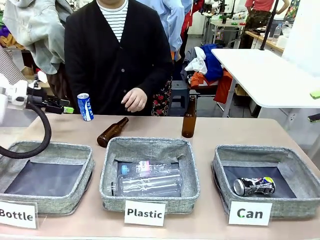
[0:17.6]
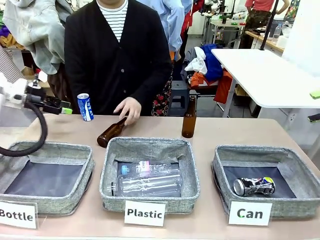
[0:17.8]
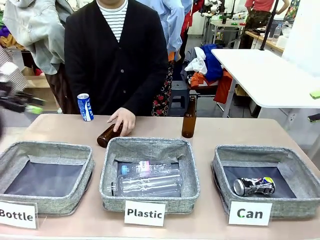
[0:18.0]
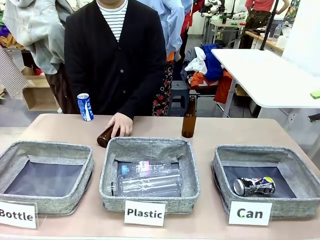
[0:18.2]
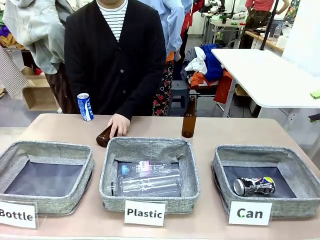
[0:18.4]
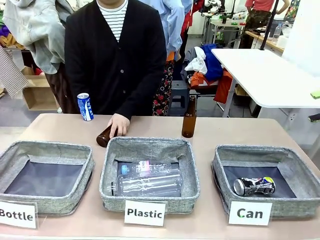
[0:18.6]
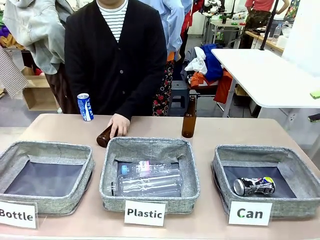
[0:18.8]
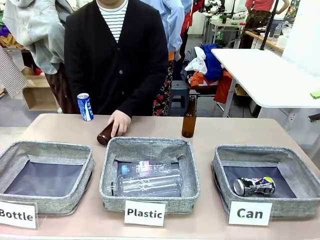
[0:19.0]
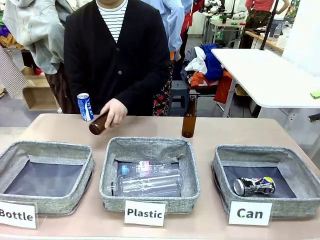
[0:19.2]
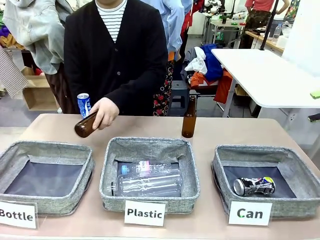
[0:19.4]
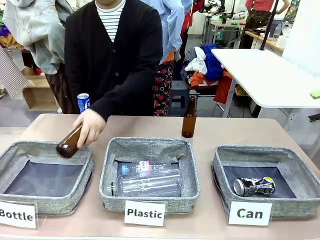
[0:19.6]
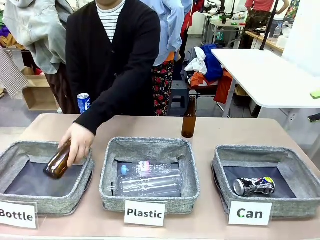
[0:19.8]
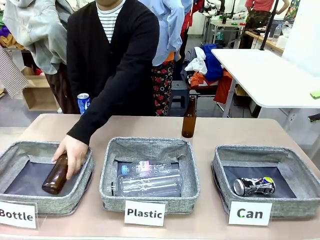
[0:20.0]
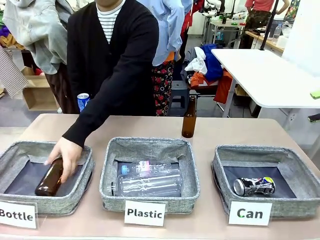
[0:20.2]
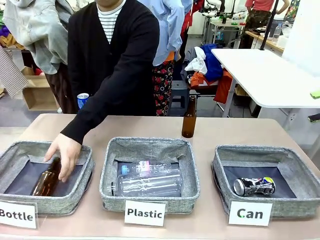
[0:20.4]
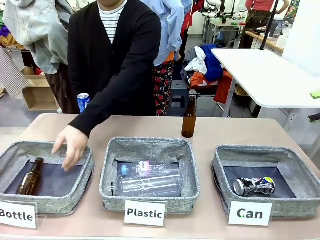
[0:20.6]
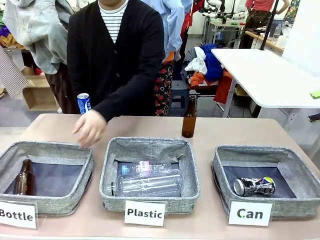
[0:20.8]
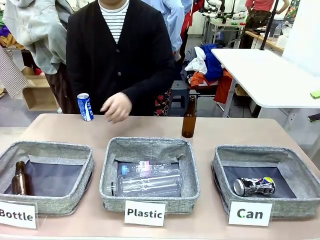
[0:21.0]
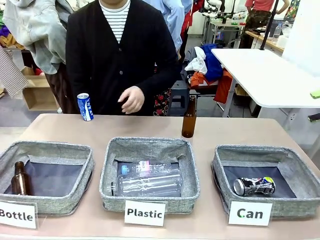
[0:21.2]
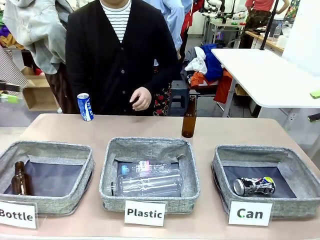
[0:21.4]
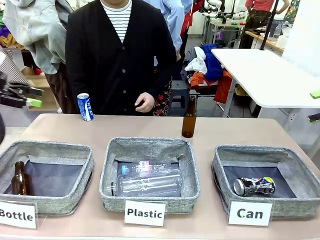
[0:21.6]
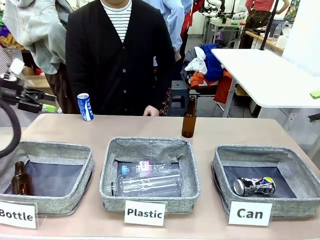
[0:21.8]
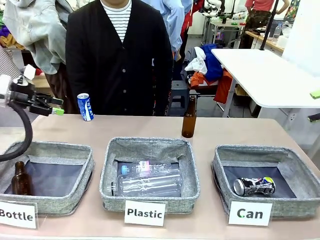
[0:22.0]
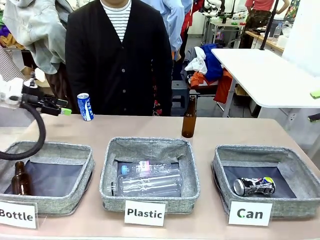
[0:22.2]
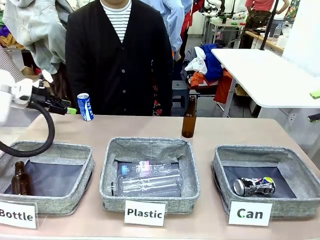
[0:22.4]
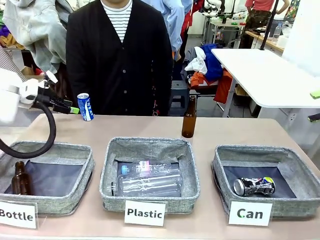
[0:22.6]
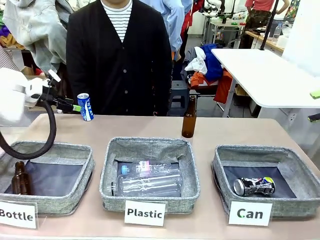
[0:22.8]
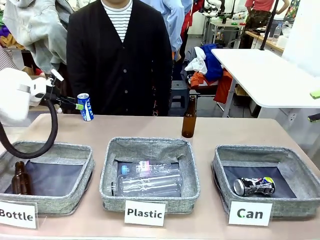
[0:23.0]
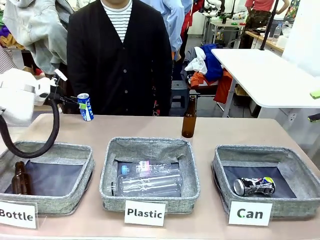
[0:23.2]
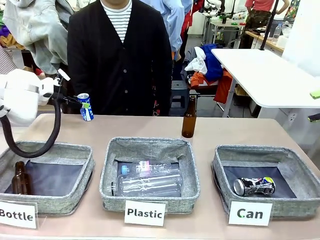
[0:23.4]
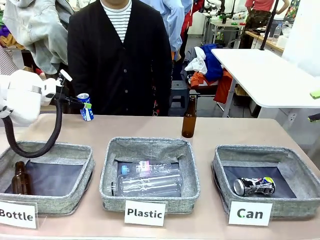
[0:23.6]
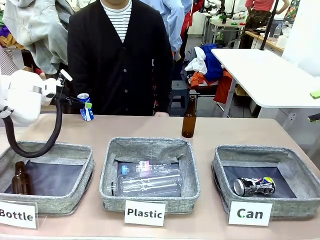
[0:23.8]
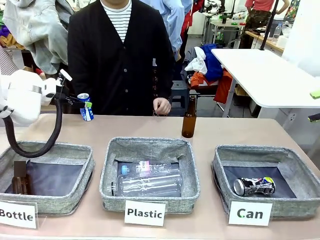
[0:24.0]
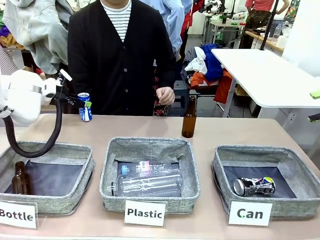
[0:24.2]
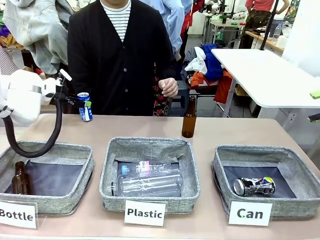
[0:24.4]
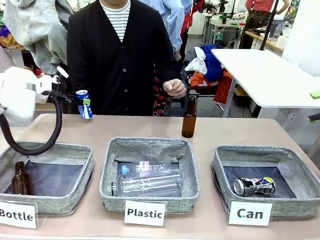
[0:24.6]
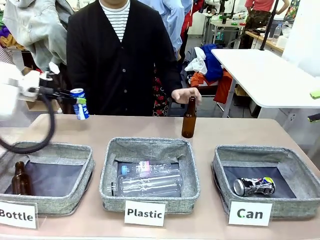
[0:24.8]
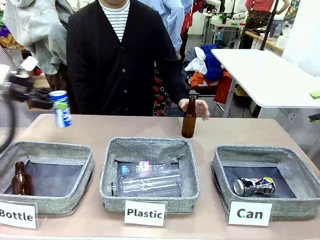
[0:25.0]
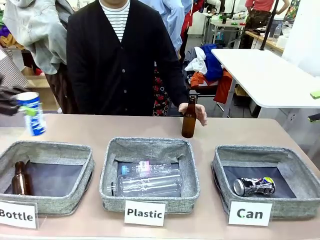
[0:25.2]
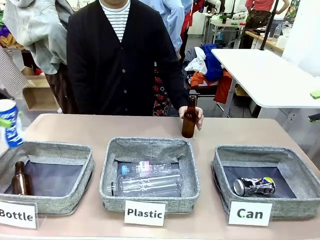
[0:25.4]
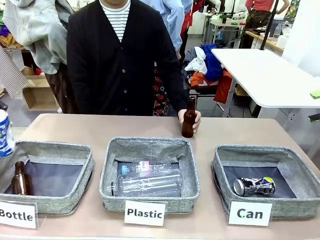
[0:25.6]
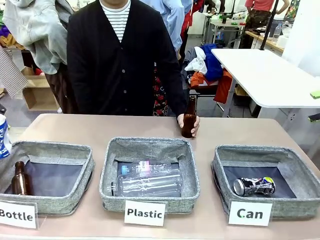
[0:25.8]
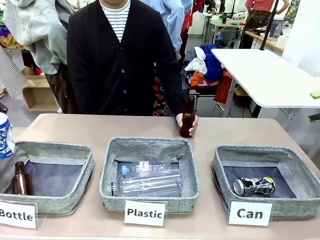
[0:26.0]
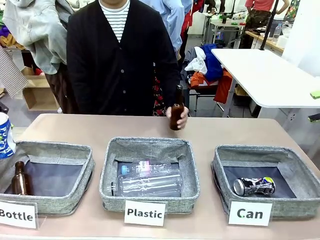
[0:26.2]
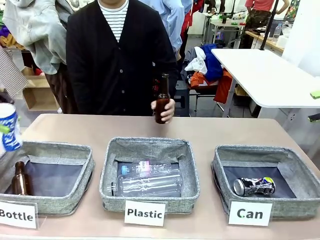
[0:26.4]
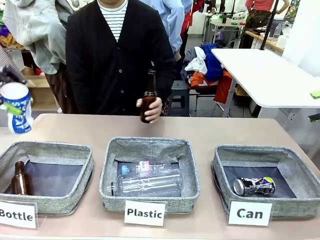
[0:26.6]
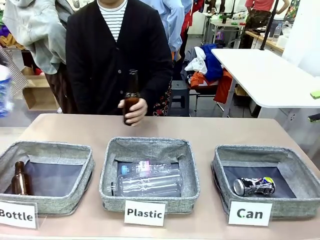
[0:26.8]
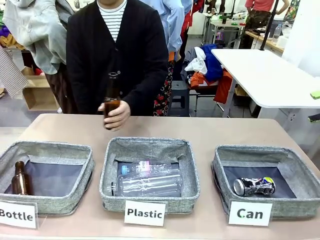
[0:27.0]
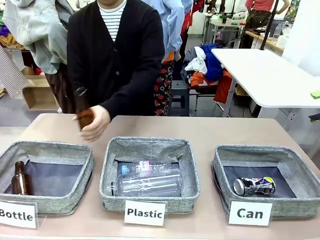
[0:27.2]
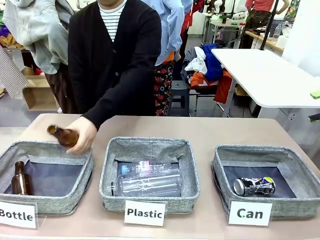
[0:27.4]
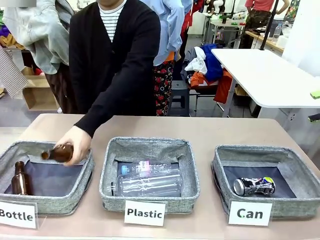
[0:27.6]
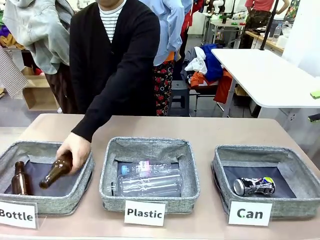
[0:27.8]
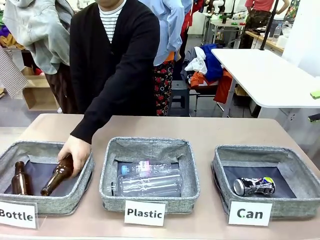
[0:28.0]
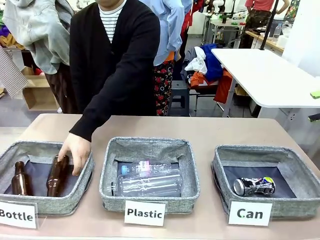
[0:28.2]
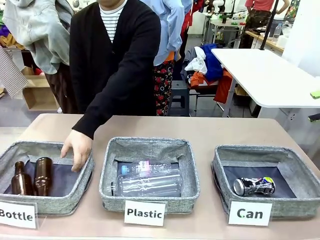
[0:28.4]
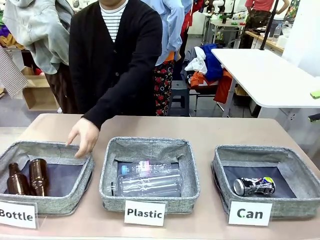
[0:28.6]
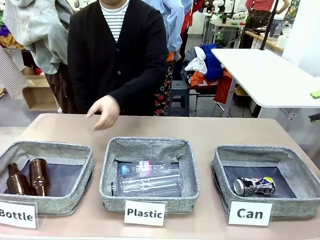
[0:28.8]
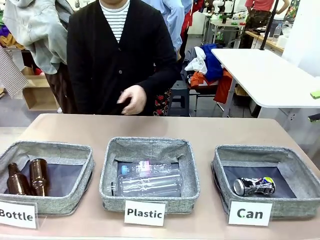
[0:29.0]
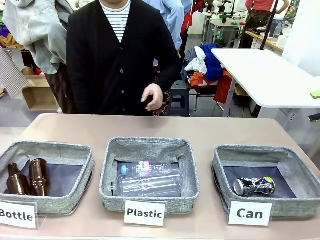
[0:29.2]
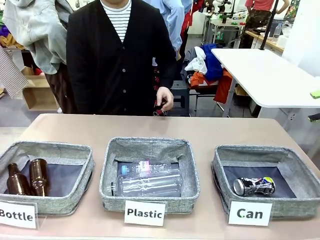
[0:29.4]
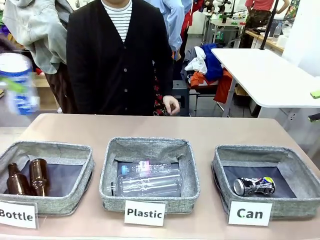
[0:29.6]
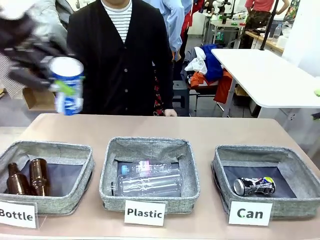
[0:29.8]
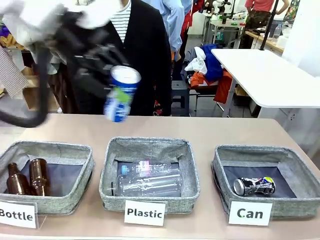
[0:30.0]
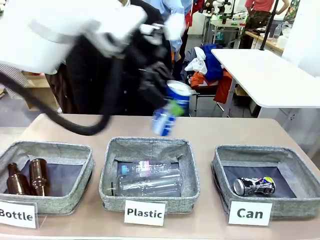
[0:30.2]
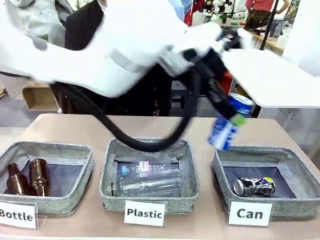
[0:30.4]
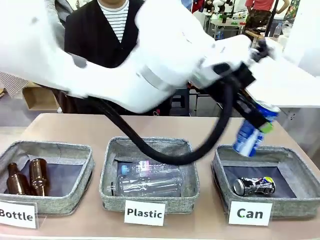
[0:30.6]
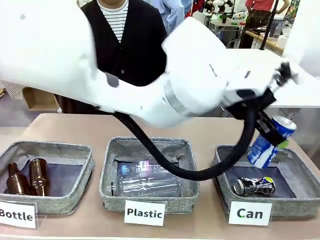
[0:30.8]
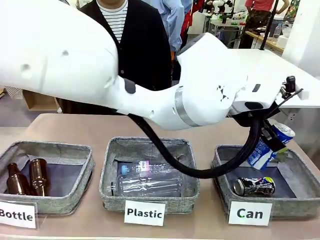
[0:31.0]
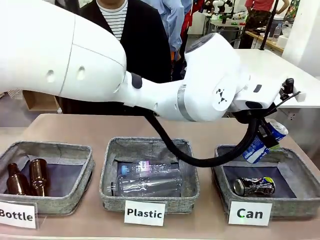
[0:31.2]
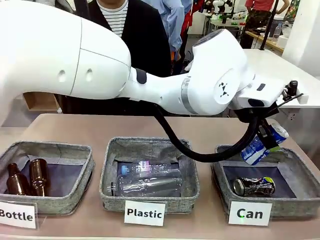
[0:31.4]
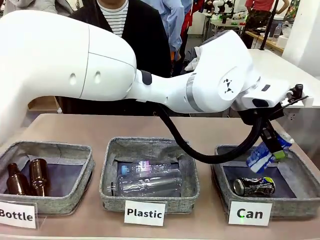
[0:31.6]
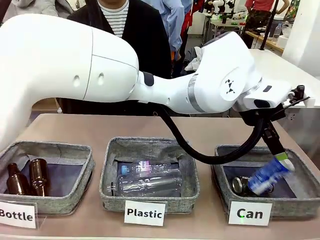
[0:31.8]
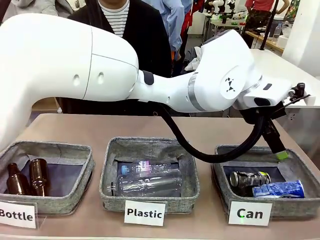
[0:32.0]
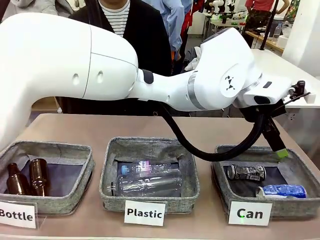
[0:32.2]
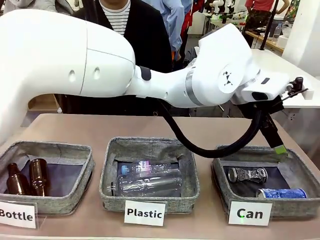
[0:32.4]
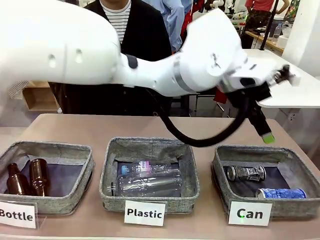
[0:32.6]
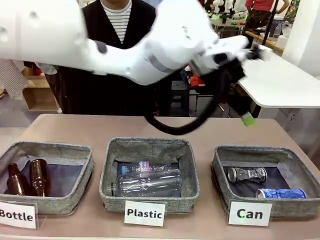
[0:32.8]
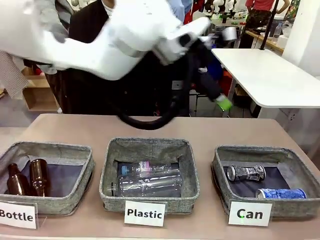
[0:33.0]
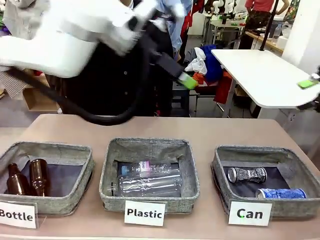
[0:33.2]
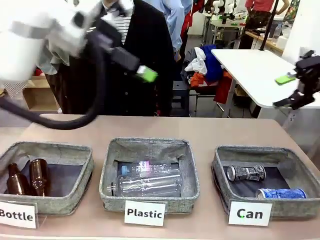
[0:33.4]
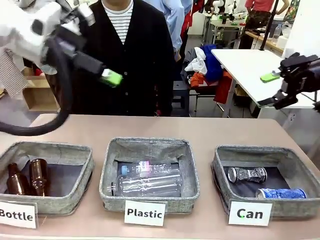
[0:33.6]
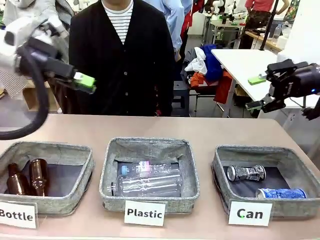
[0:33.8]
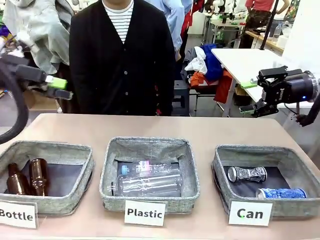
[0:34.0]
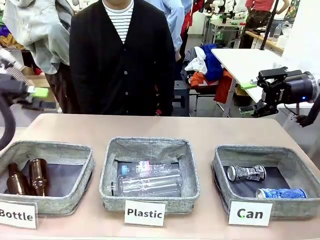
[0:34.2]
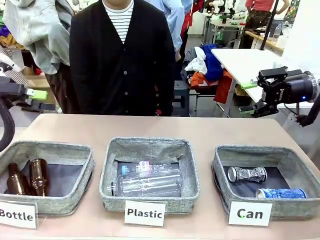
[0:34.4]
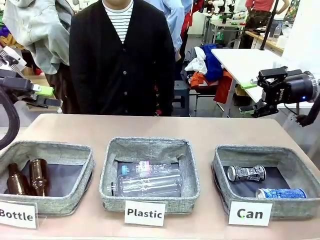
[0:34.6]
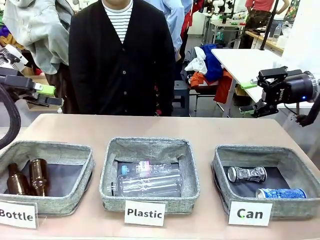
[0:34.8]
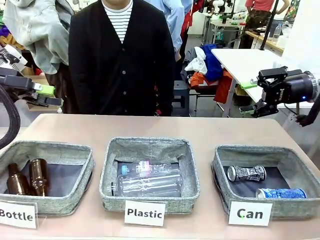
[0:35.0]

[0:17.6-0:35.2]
Task: Sort the can waste into the basket.
Robot: Pick up the can waste from the table and place it in the right Fabric basket.
